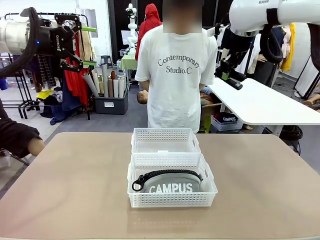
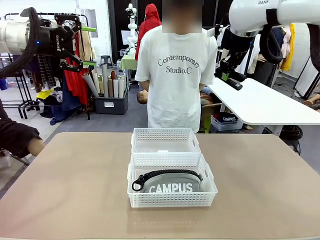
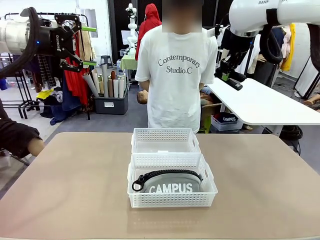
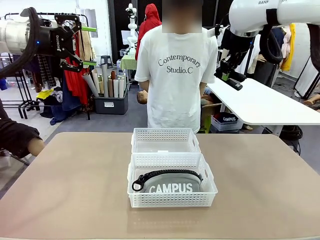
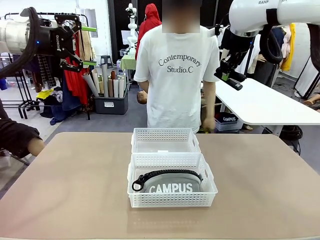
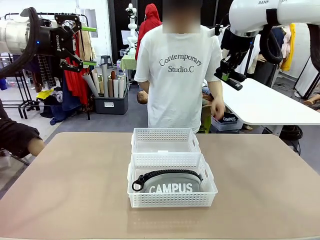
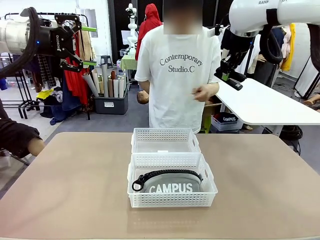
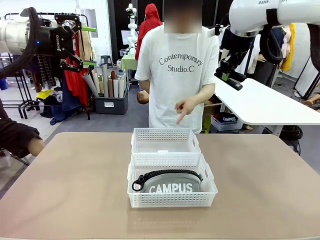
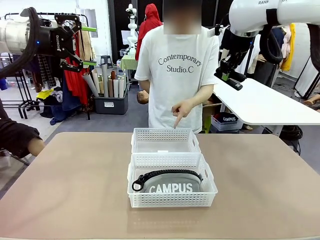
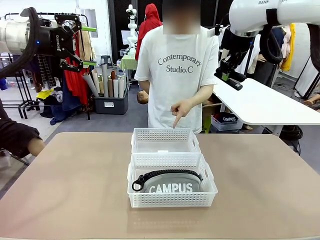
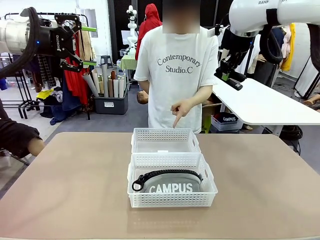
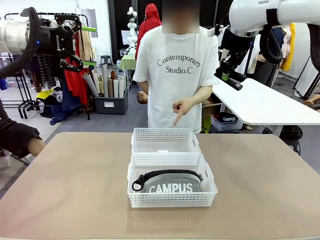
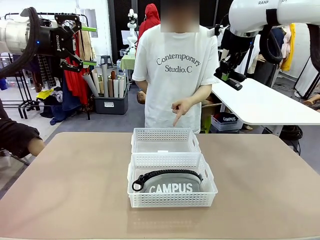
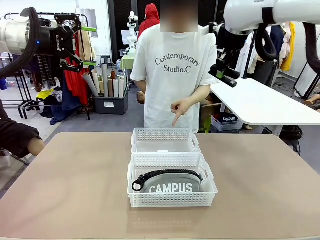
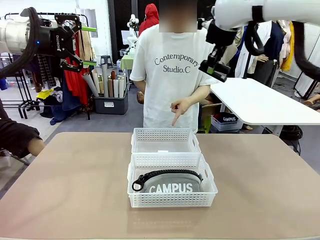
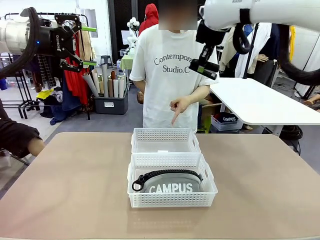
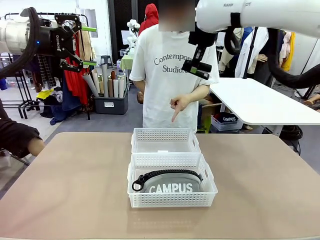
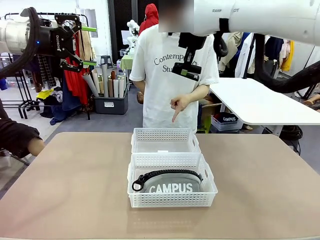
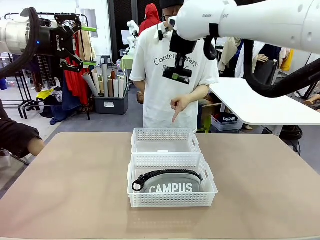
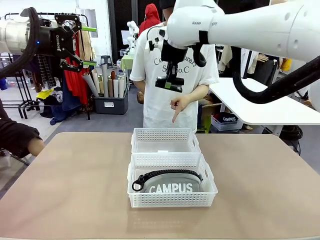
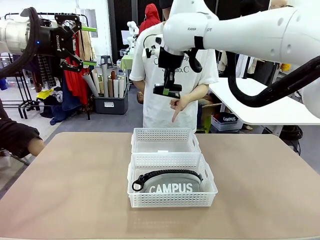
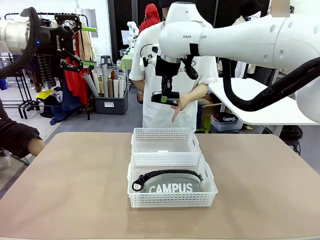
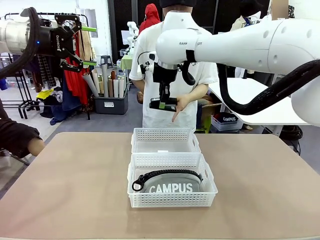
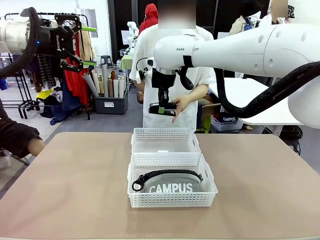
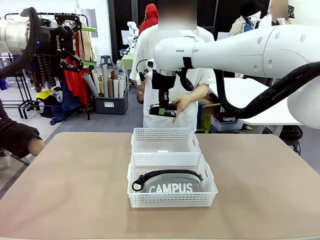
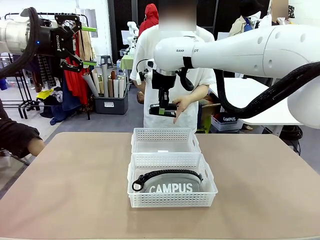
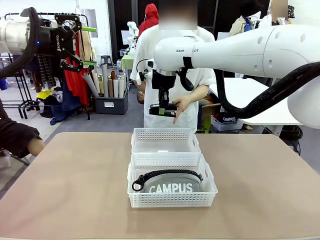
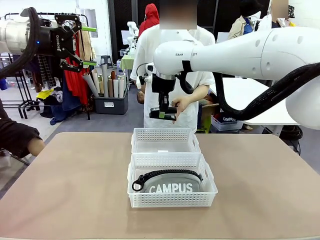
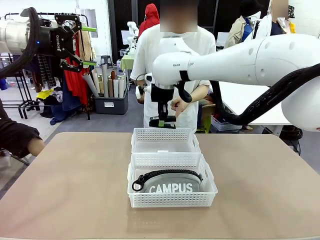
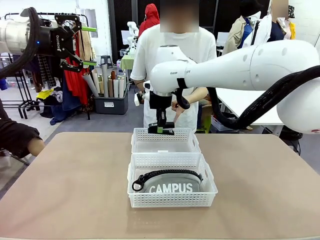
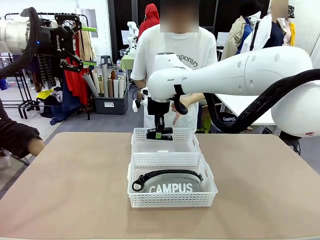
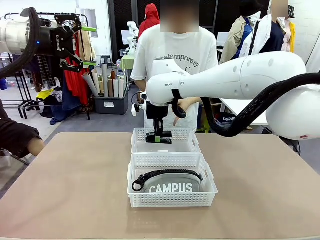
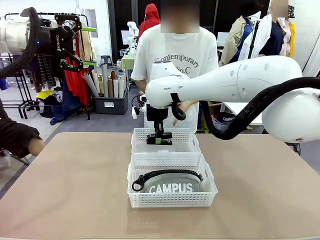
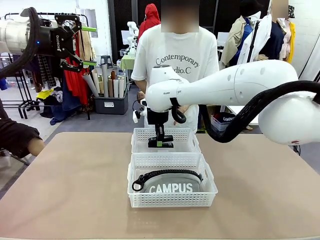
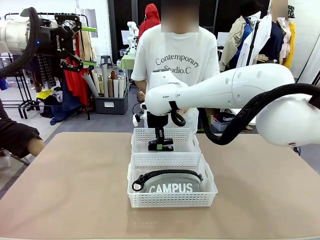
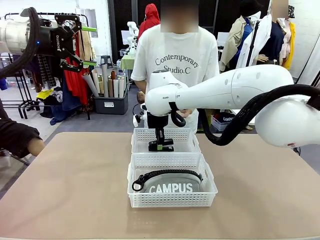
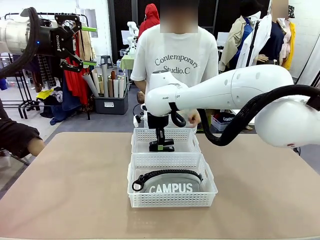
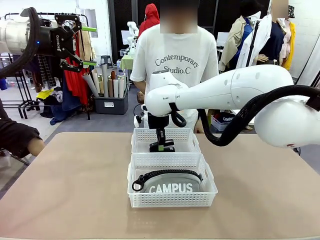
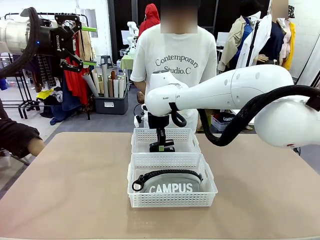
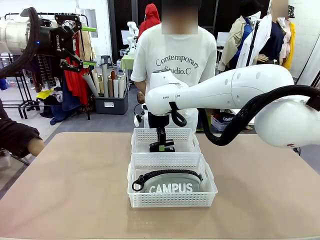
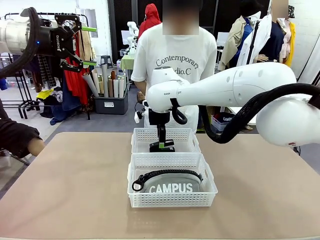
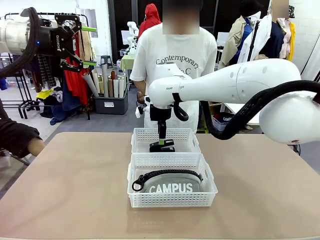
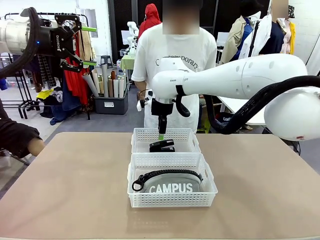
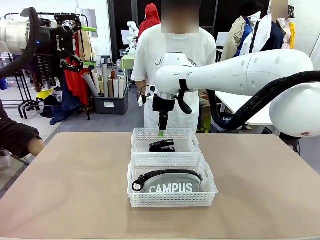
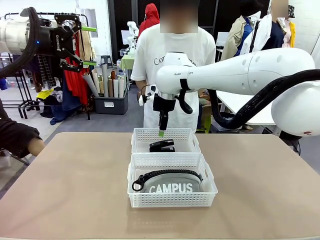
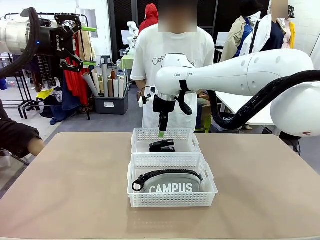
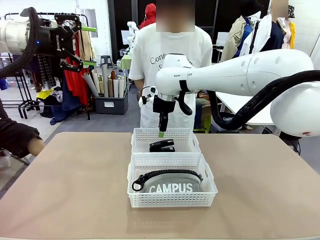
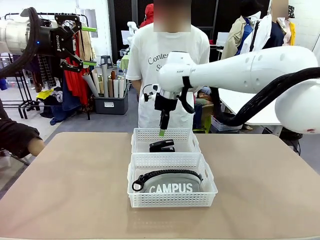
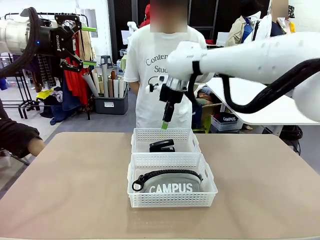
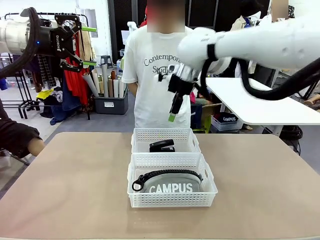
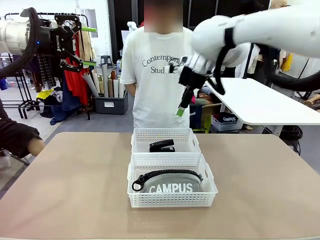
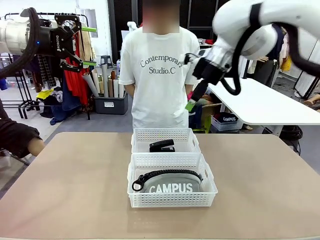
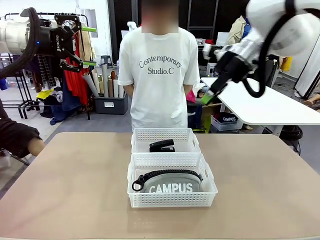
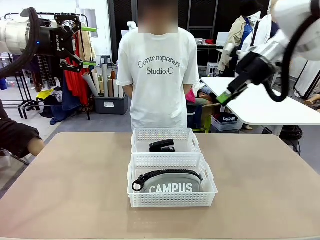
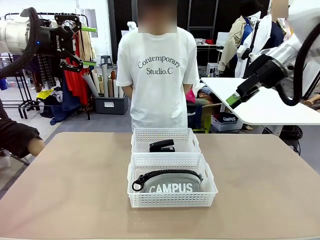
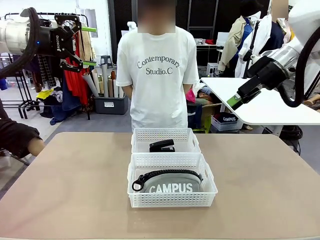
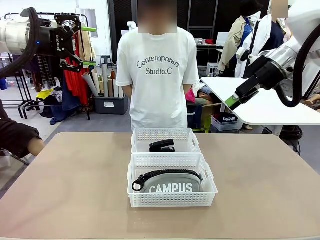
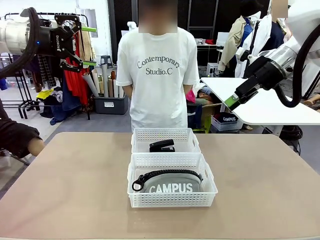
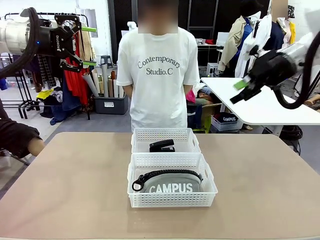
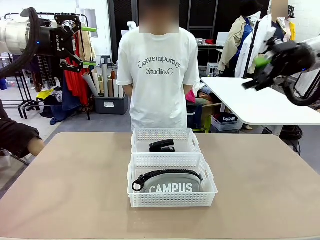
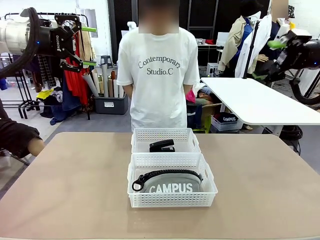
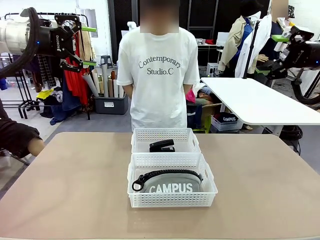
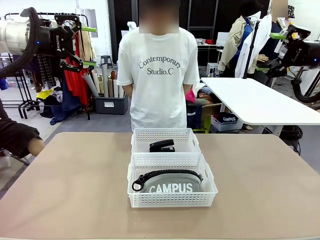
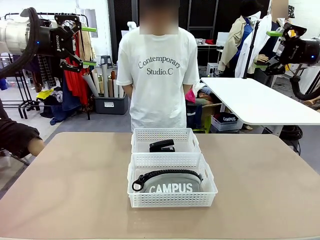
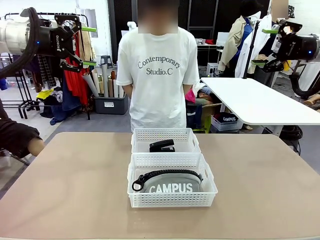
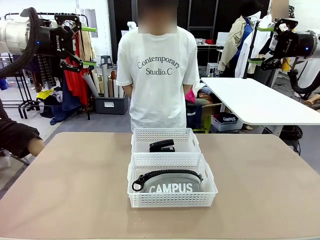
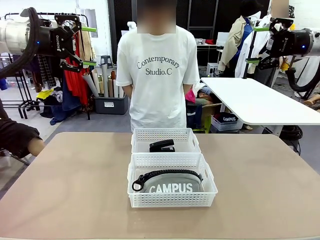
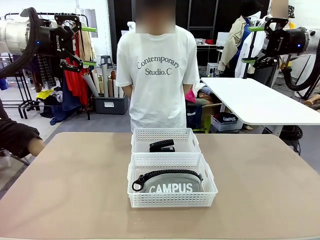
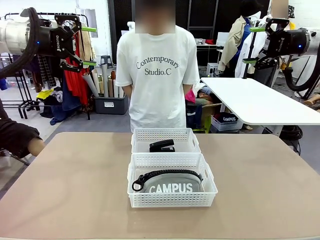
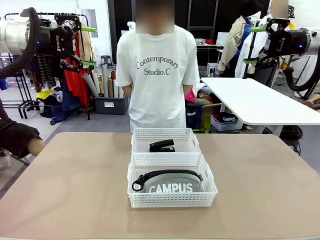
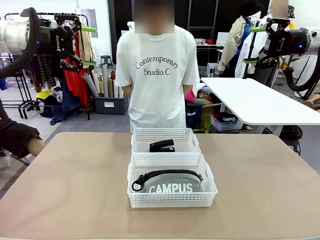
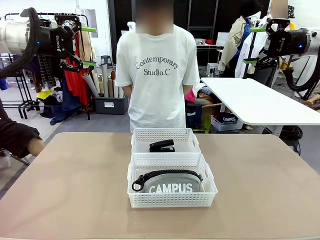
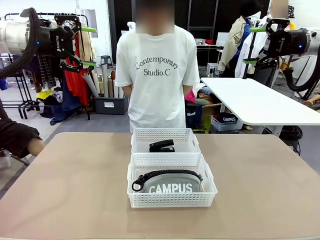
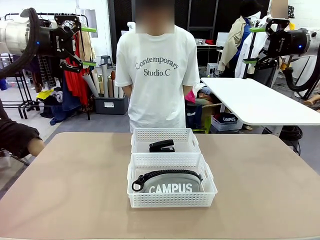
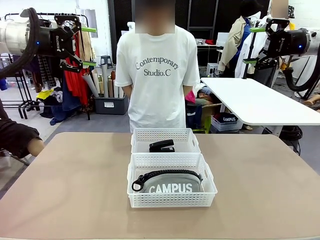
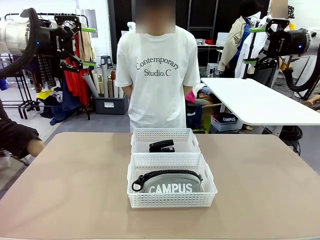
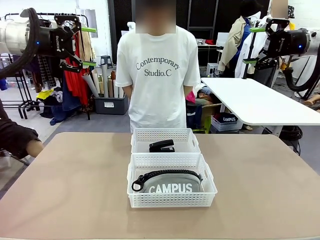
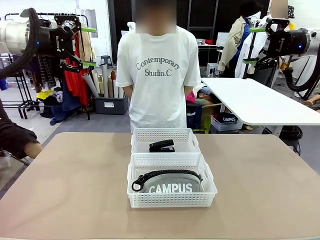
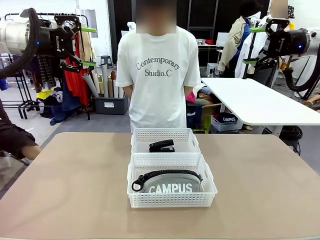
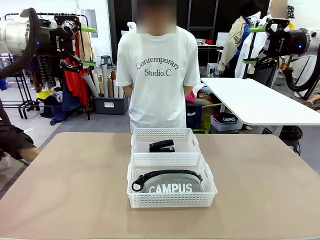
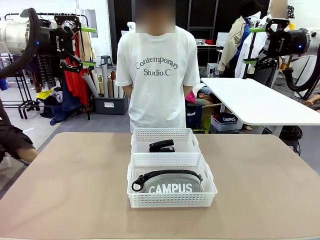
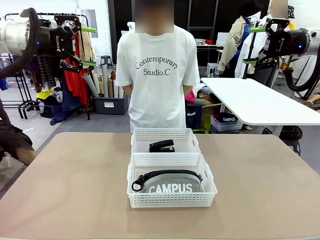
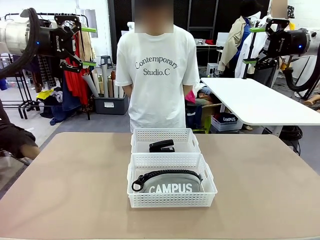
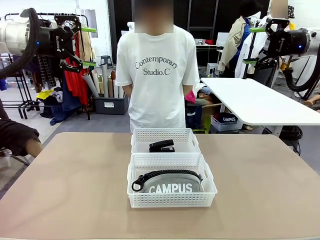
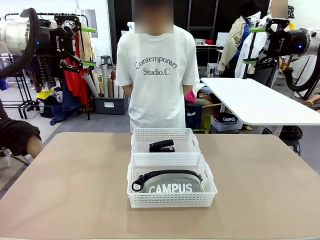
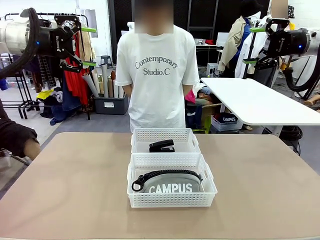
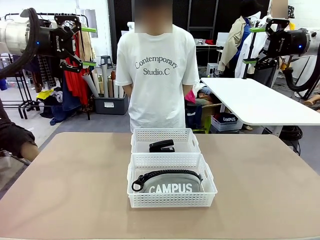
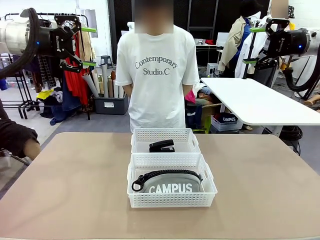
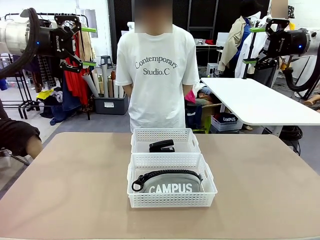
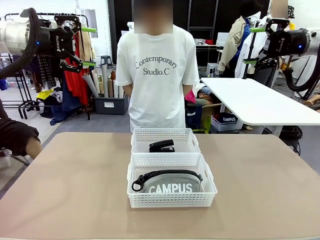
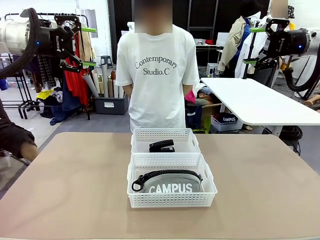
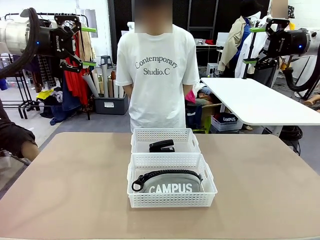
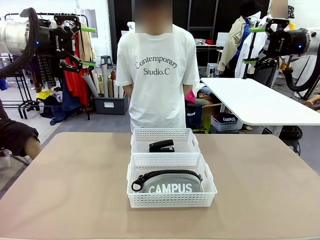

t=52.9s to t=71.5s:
Task: Distribute items into two baskets.
Robot: Place the picked Stapler into the Organizing basket as instructed by the person.
Person: Points to the basket that does not contain the pencil case and instructs the robot to move the stapler there.
